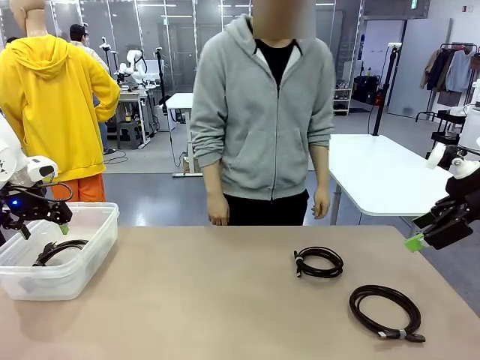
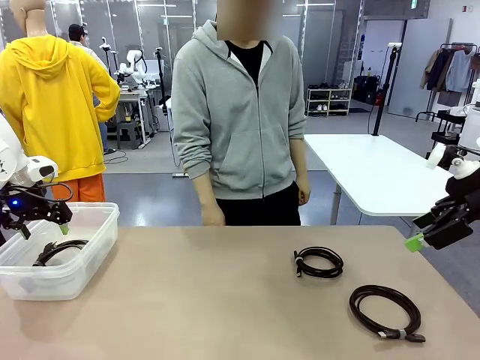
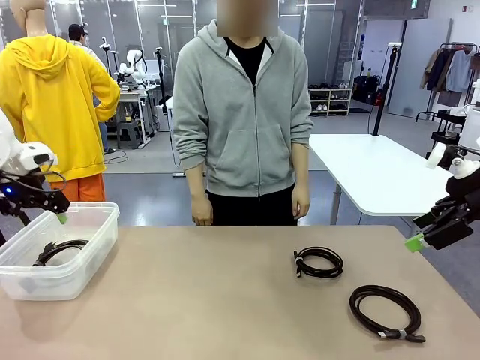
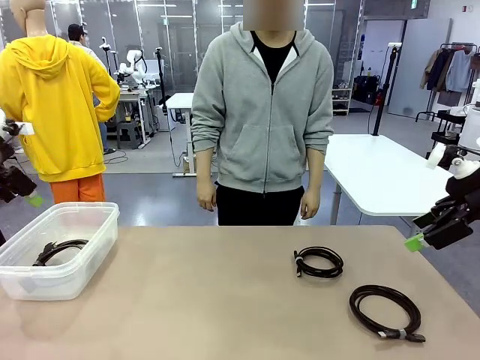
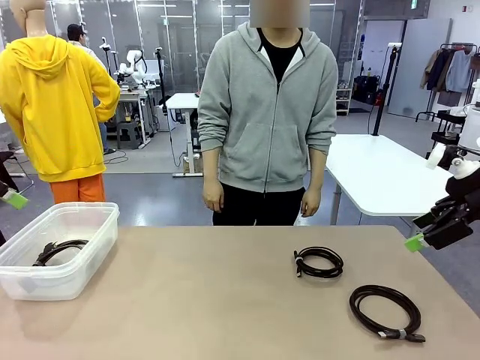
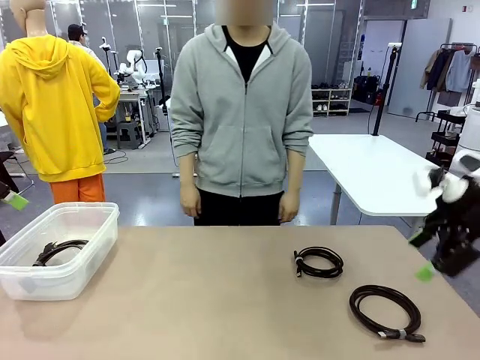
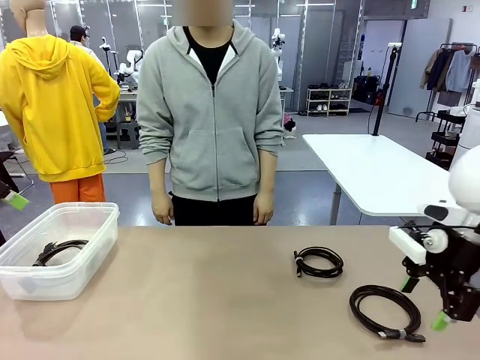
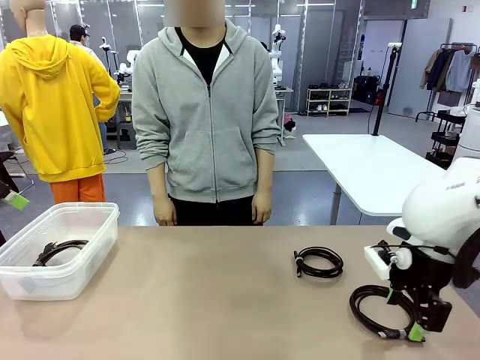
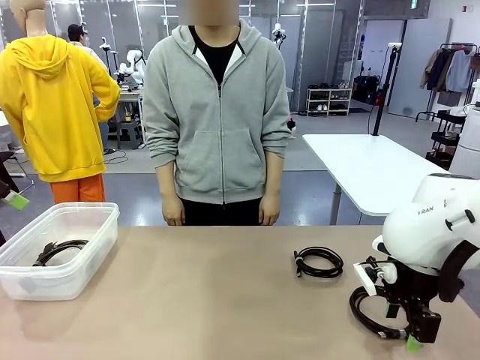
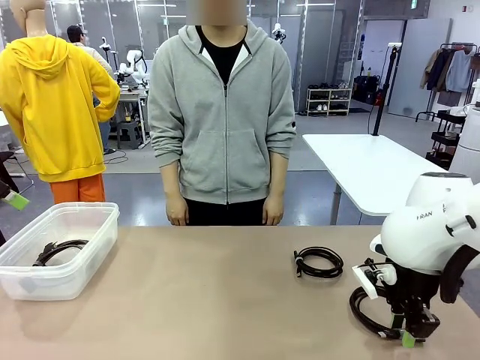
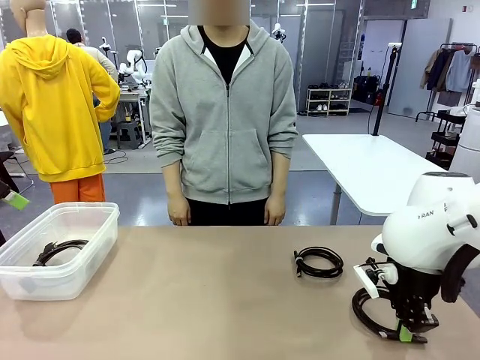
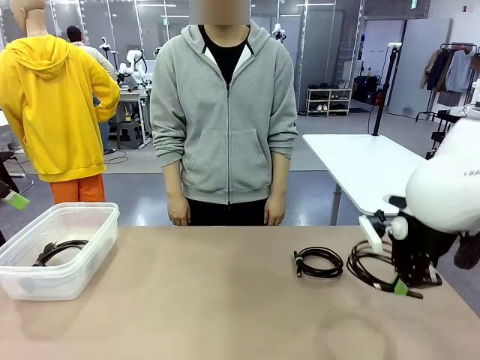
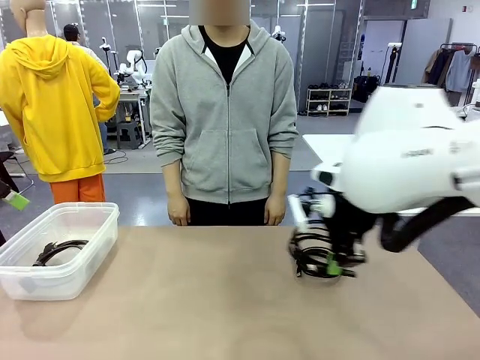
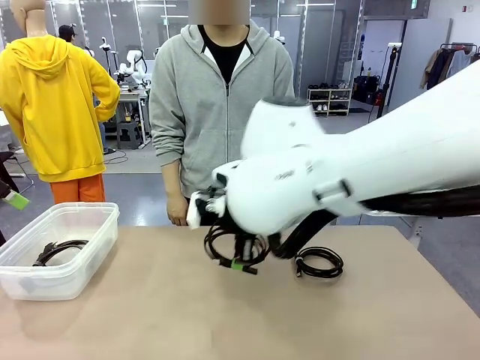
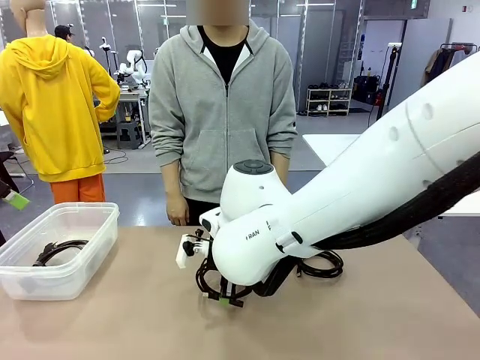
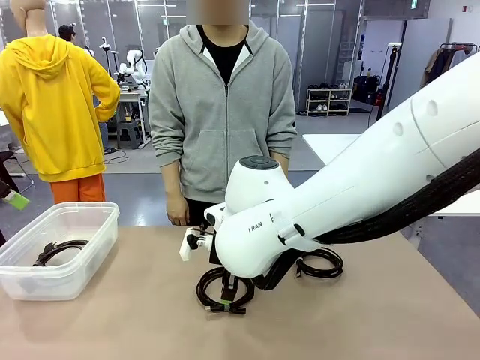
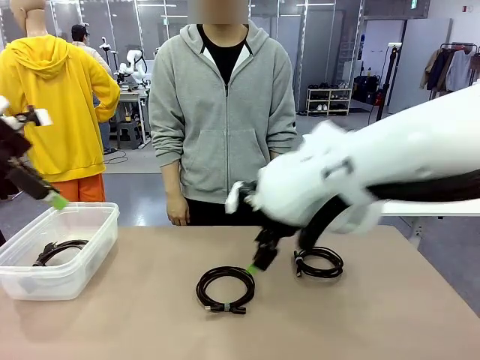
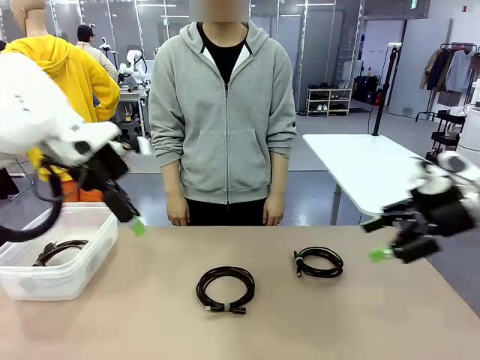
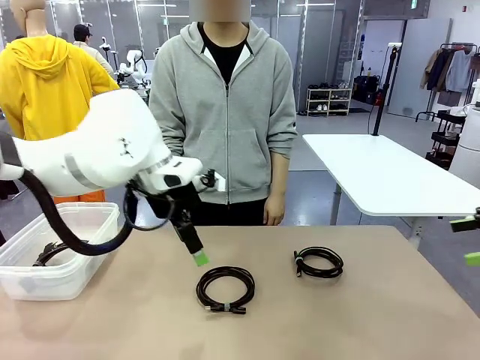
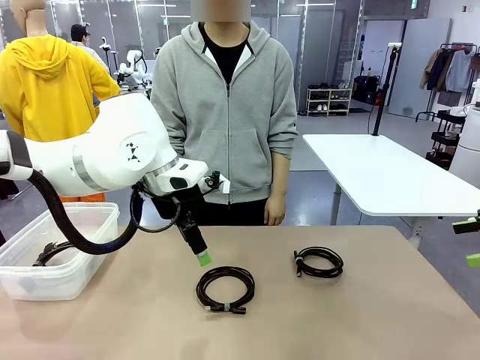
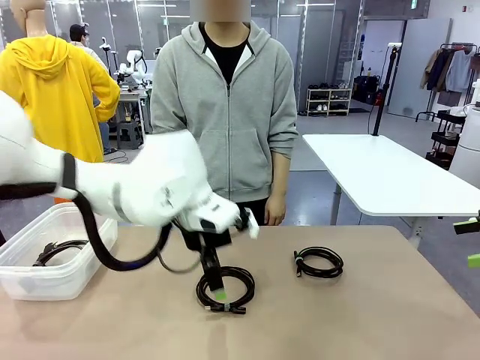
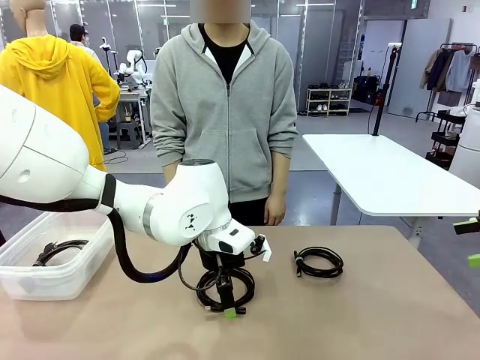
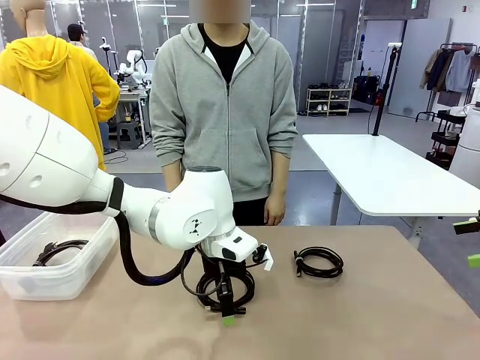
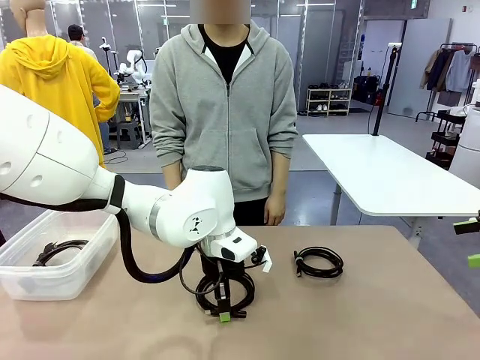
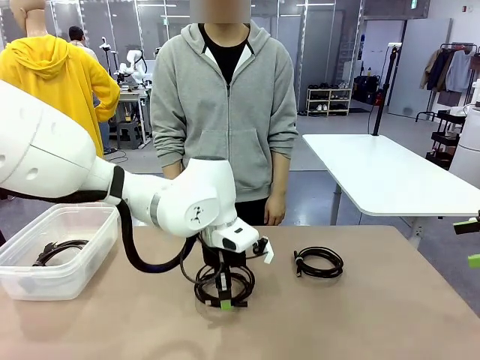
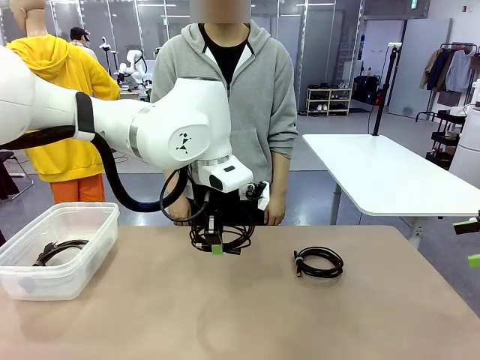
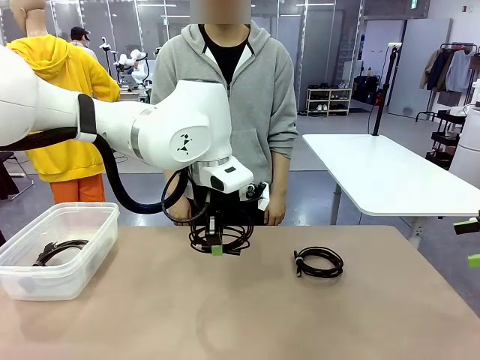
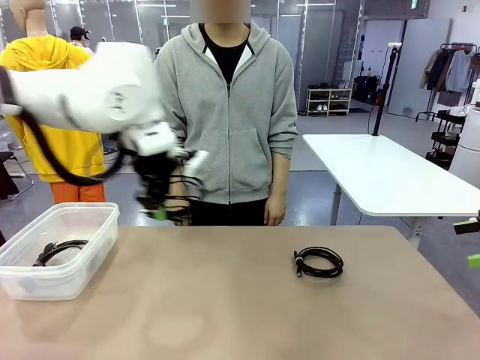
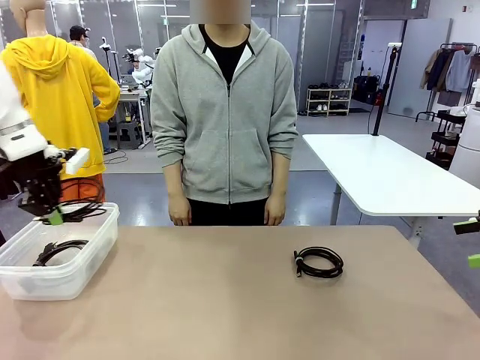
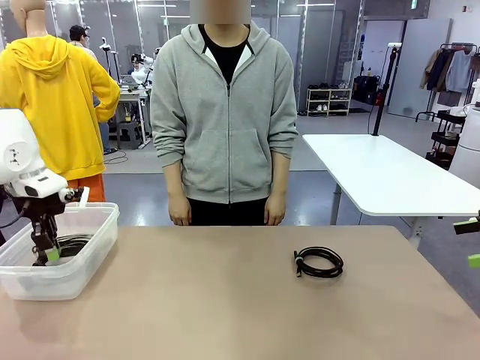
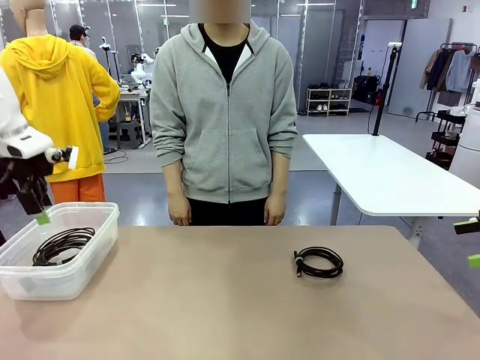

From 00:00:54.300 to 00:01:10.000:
Task: Organize and store the cables.
Robot: Place the USB Extension Cable into the Organizing box.

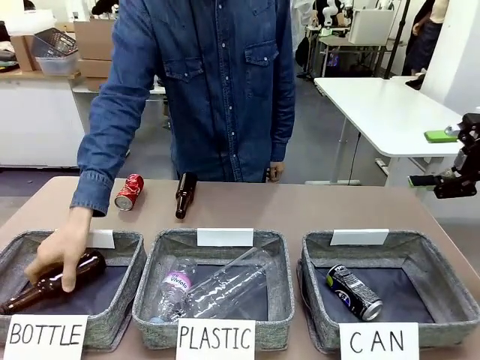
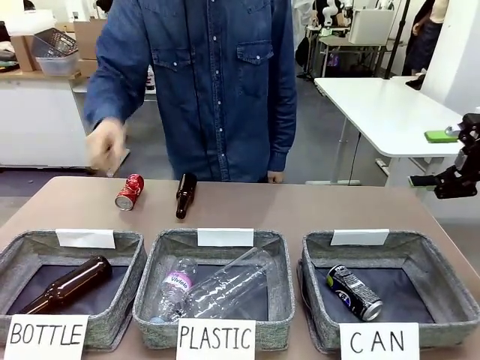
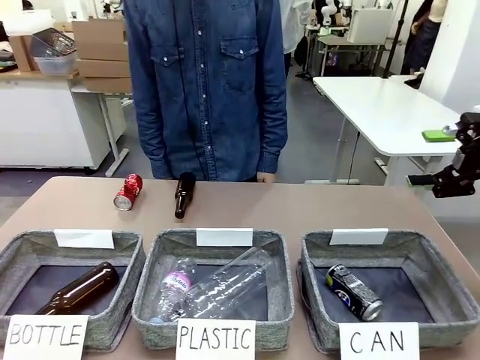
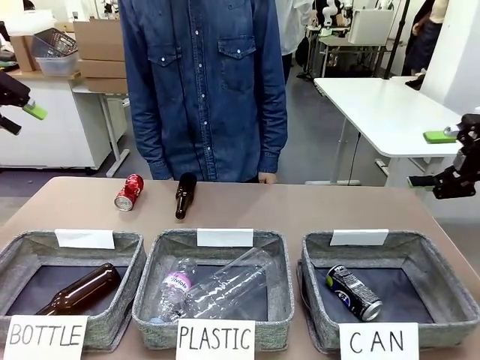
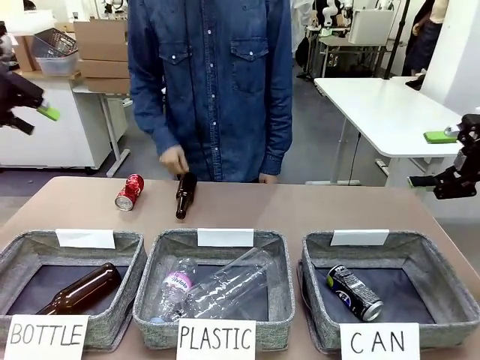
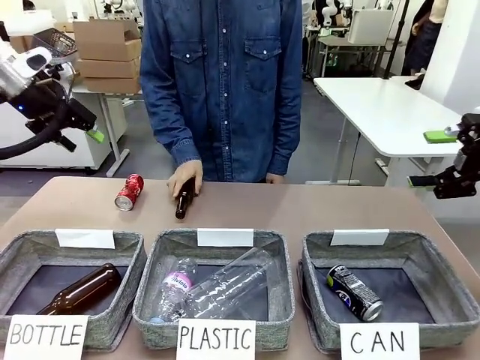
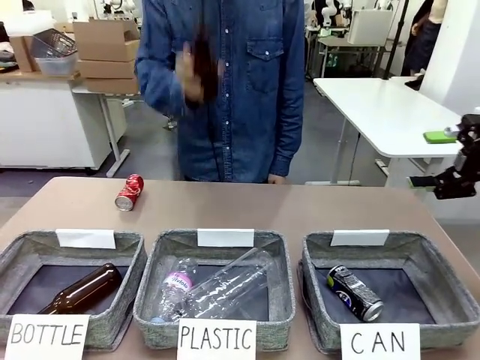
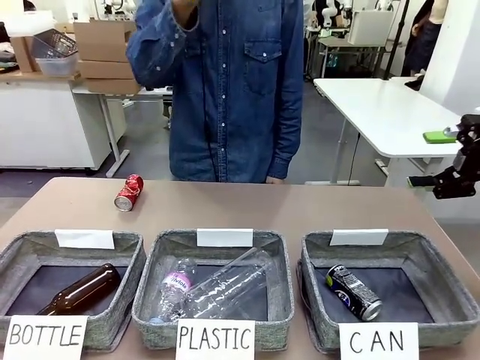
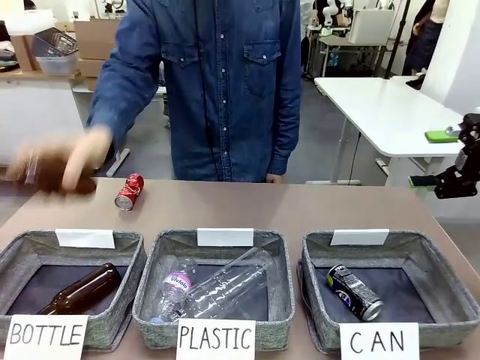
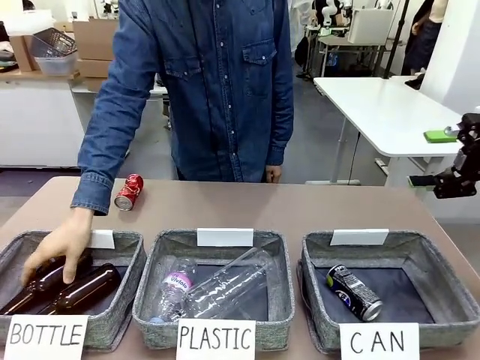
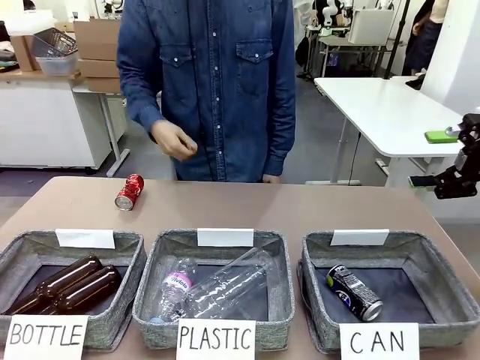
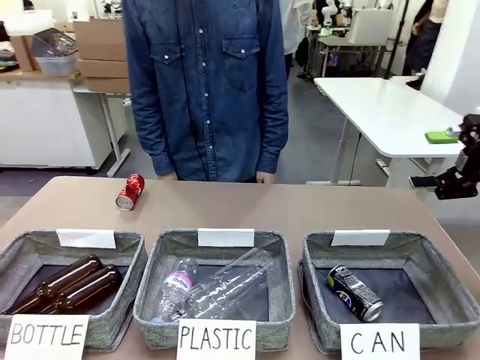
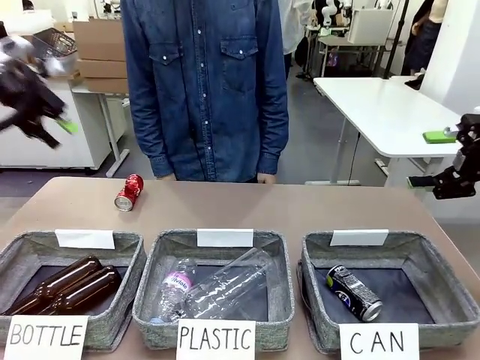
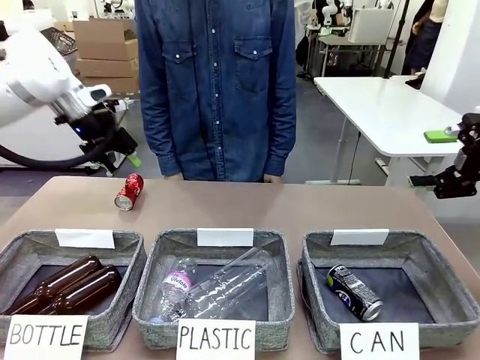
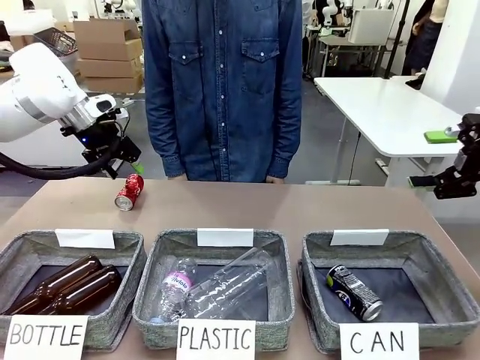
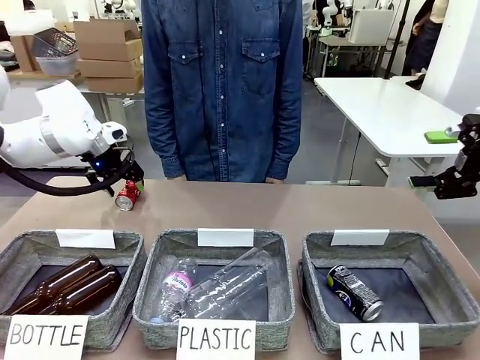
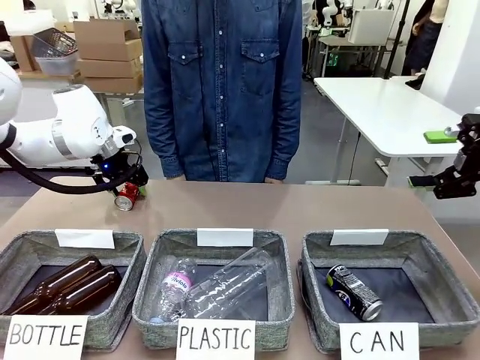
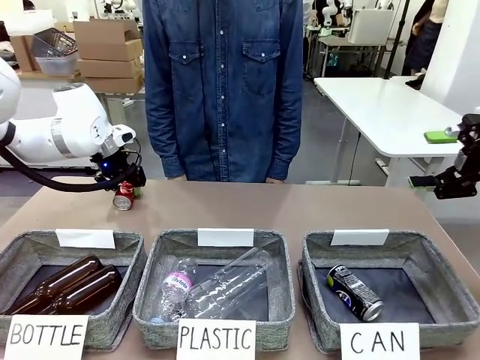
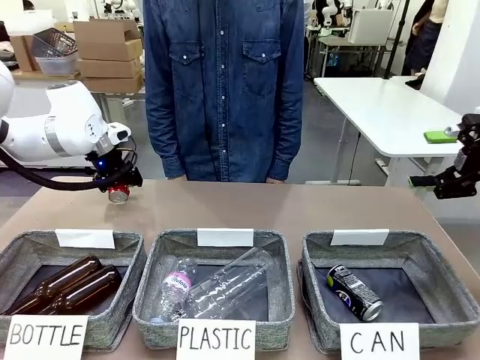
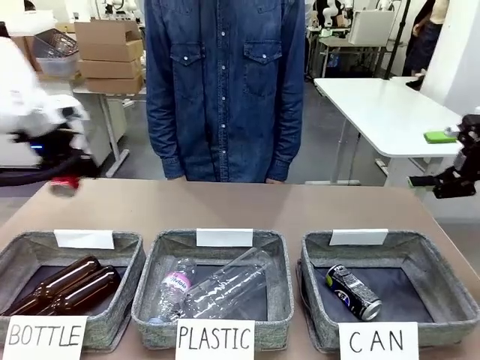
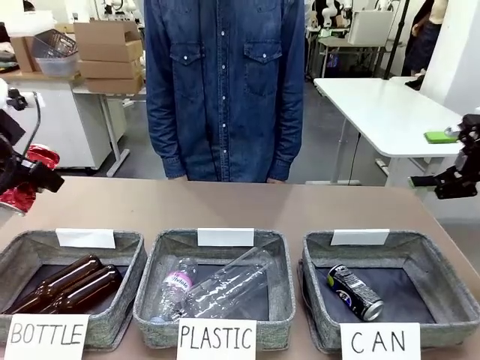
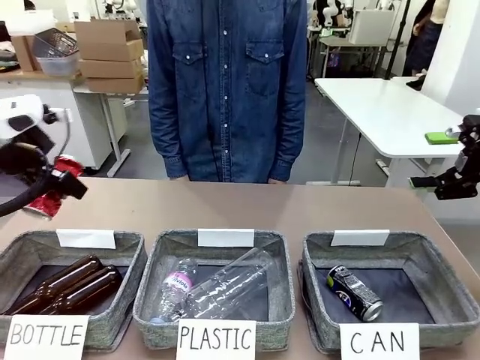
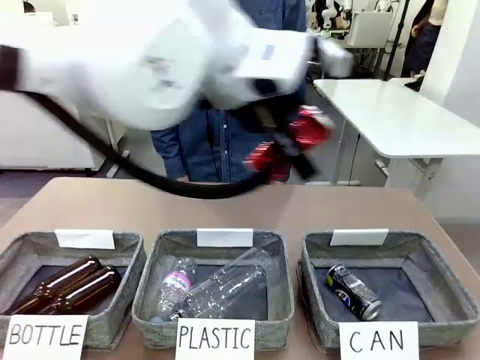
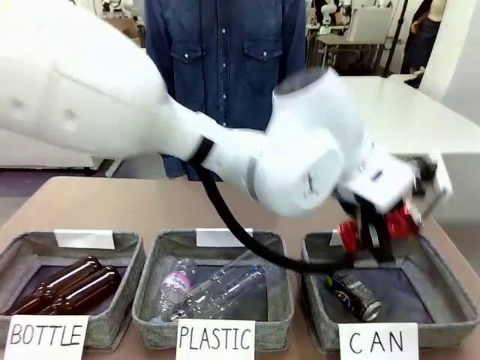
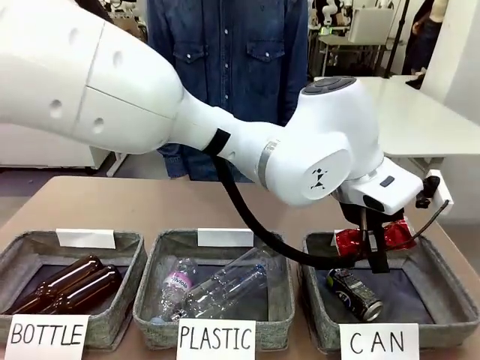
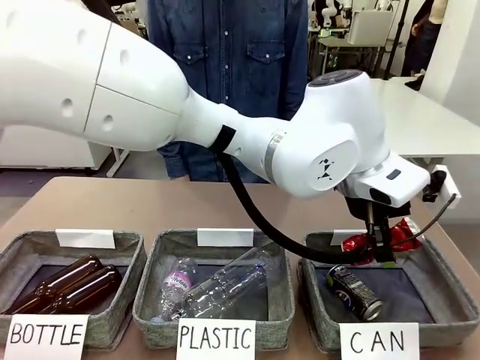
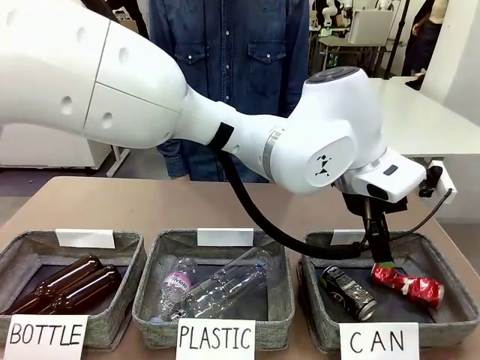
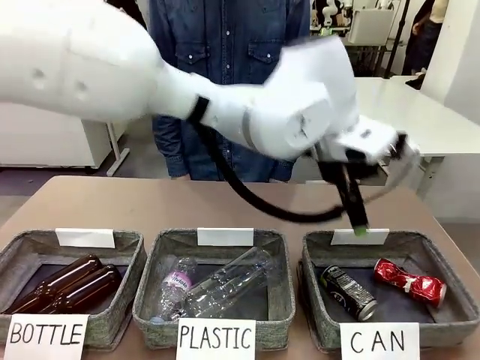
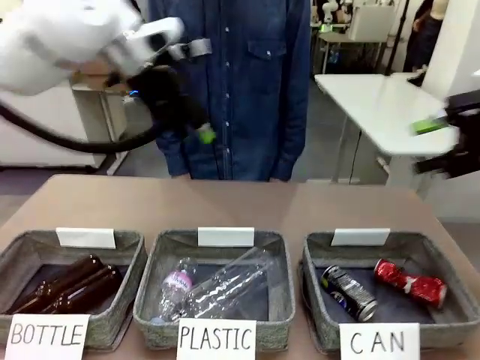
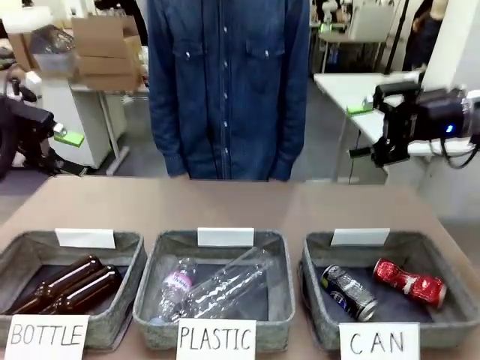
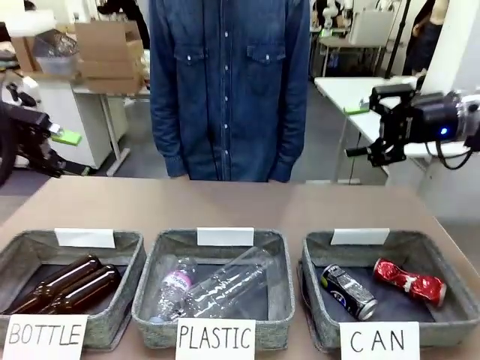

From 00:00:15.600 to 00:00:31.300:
Task: Sort the can waste into the basket.
Robot: Pick up the can waste from the table and place it in the right Fabric basket.
Person: The human picks up one piece of trash that is not a can and places the trash into the appropriate organizing basket.
